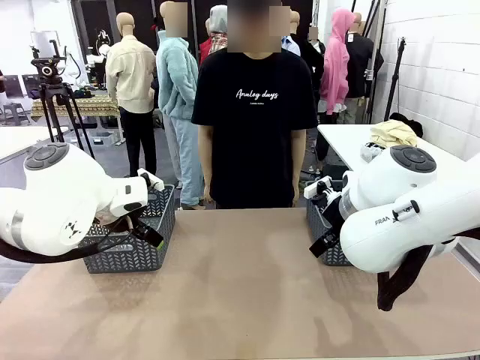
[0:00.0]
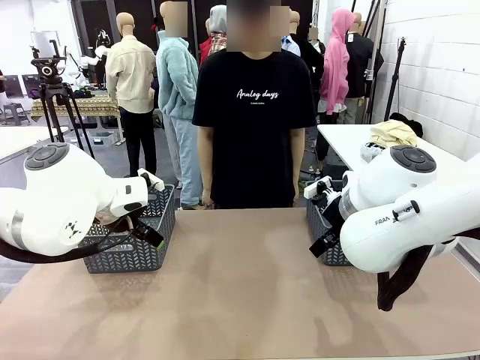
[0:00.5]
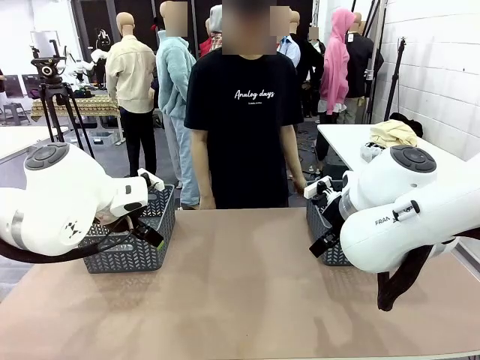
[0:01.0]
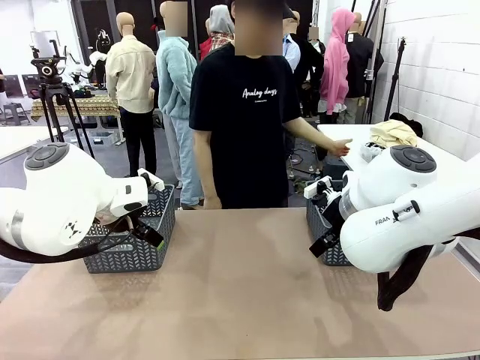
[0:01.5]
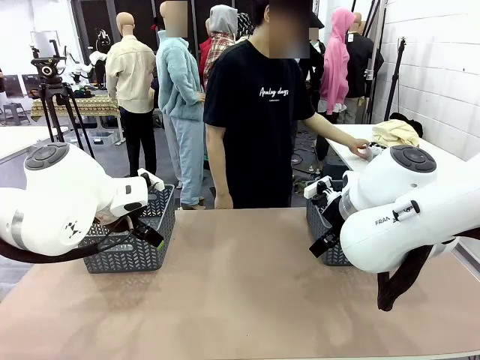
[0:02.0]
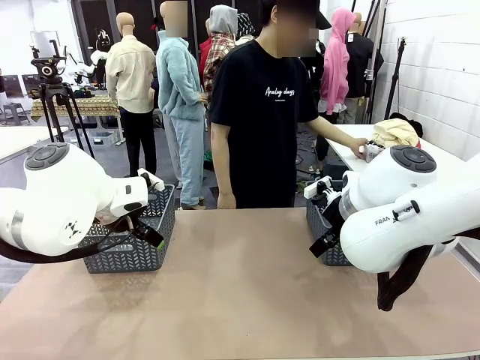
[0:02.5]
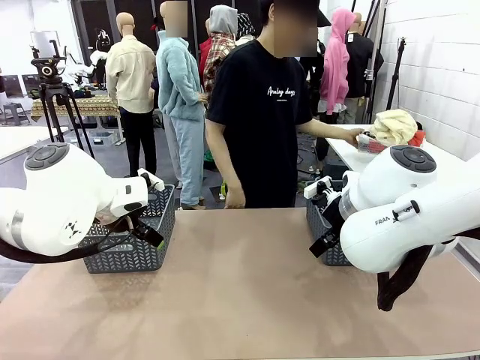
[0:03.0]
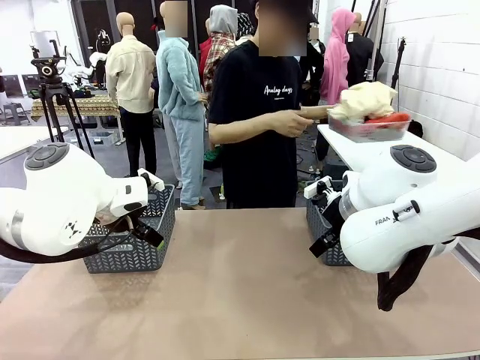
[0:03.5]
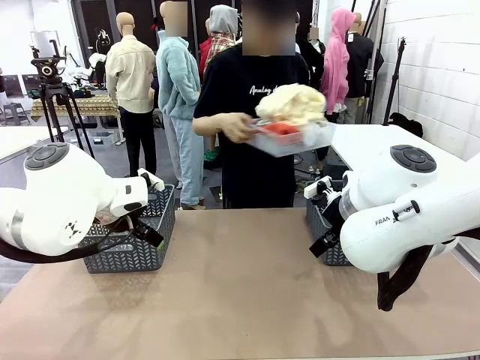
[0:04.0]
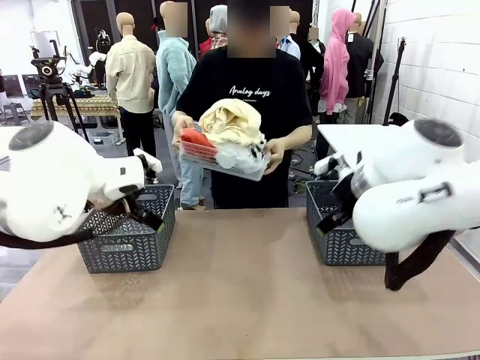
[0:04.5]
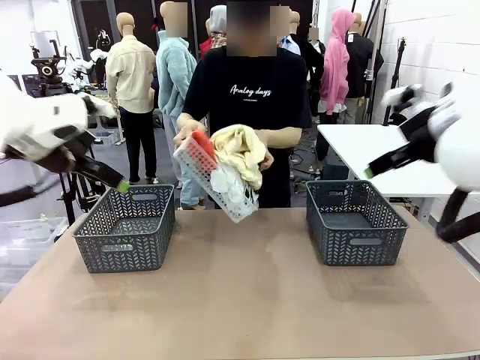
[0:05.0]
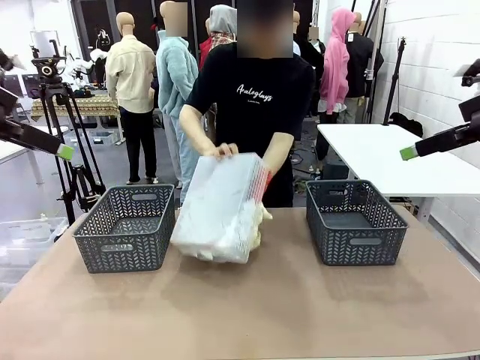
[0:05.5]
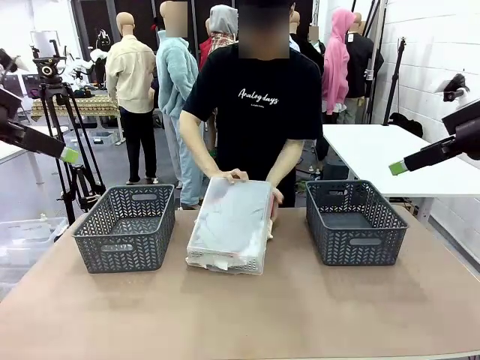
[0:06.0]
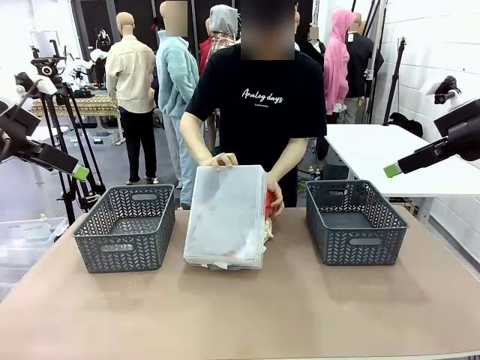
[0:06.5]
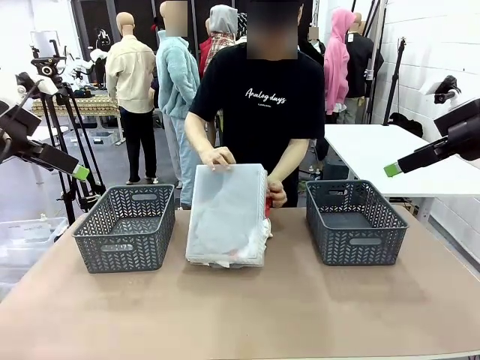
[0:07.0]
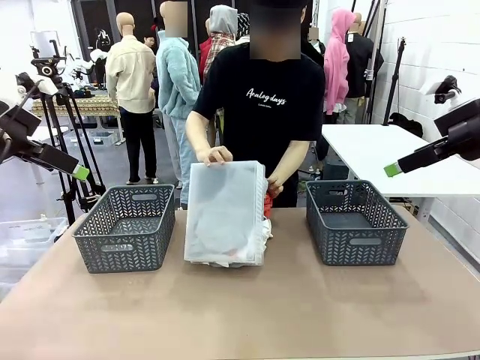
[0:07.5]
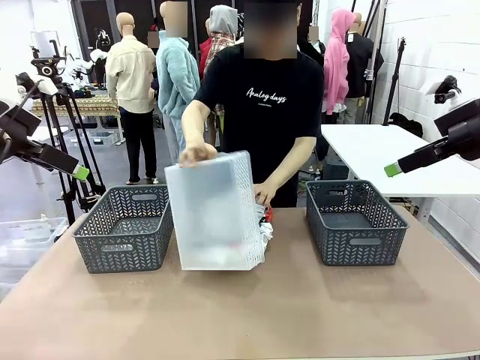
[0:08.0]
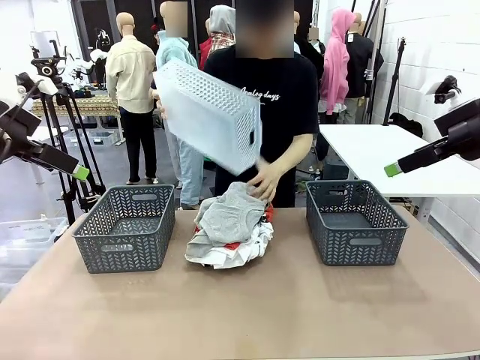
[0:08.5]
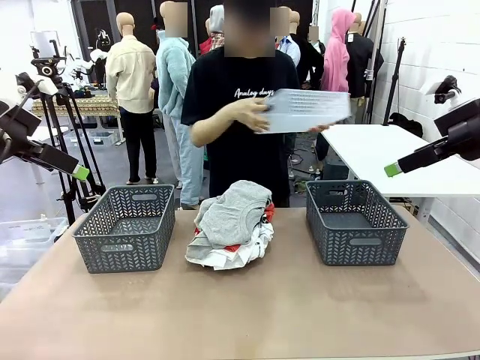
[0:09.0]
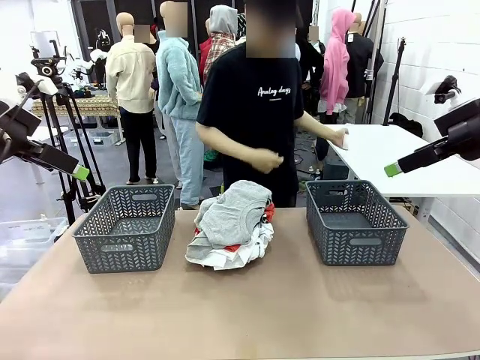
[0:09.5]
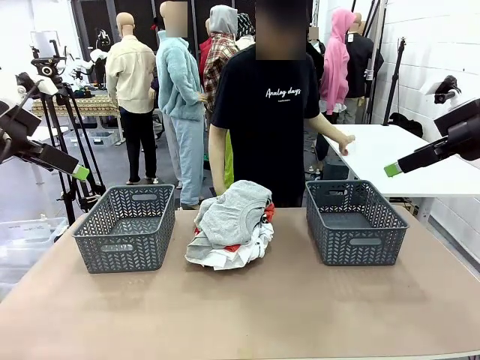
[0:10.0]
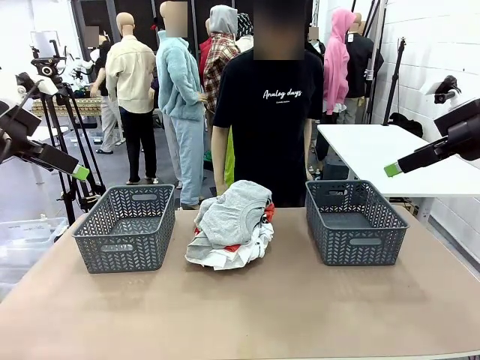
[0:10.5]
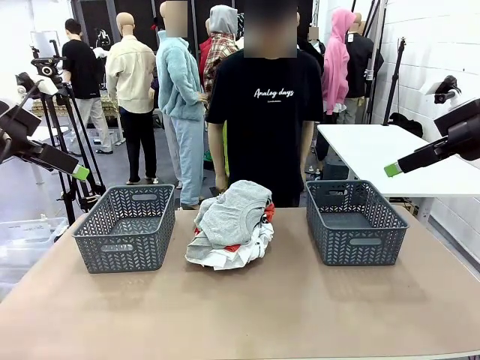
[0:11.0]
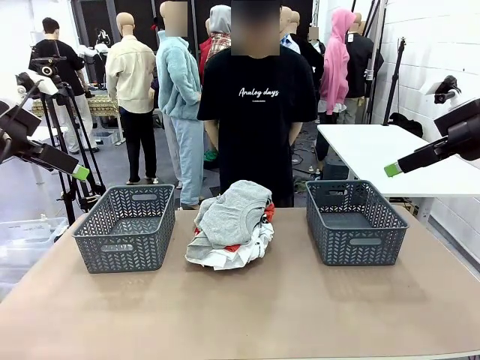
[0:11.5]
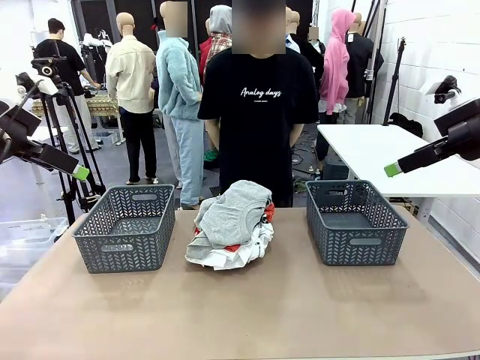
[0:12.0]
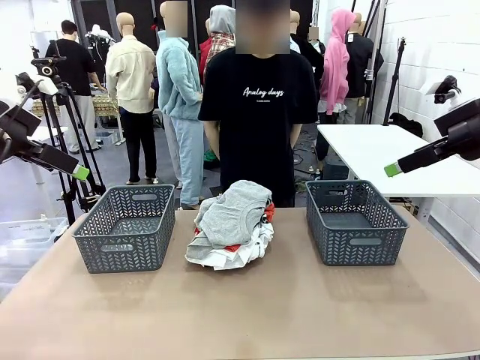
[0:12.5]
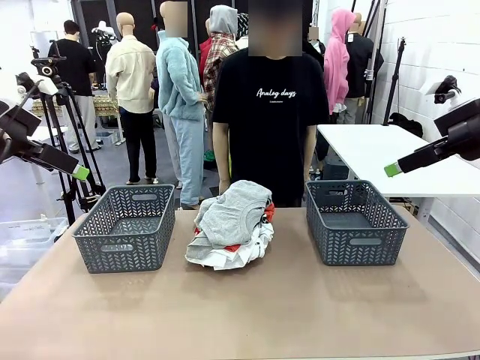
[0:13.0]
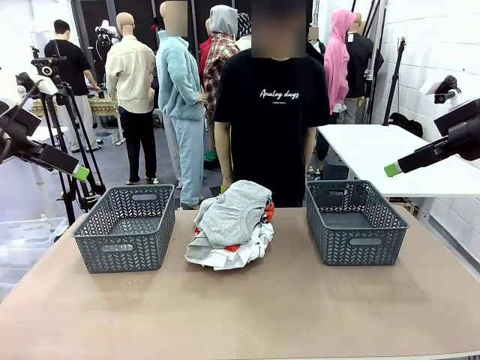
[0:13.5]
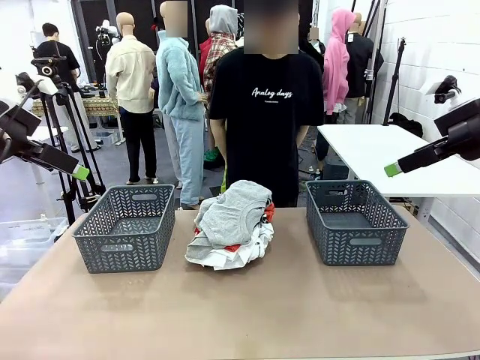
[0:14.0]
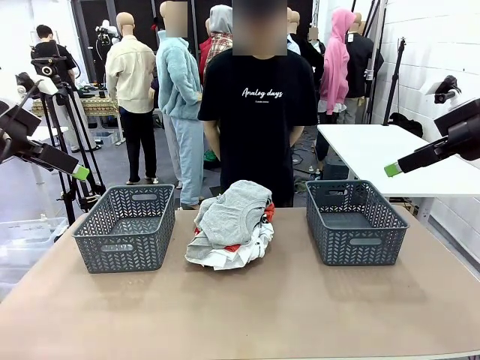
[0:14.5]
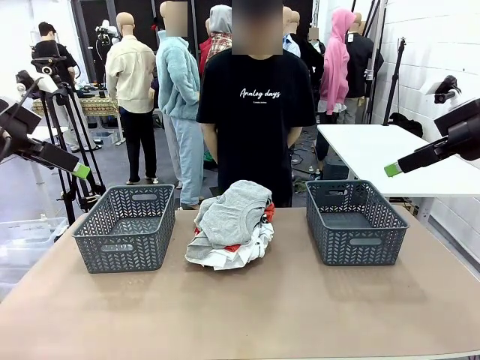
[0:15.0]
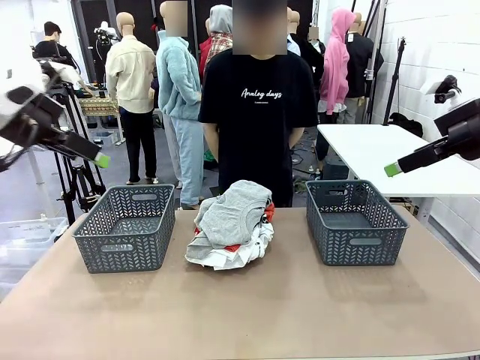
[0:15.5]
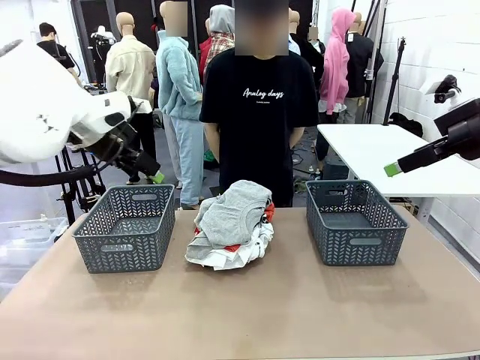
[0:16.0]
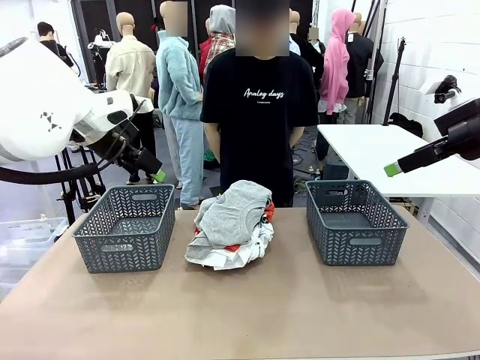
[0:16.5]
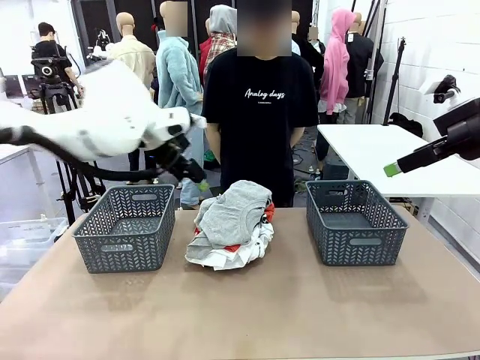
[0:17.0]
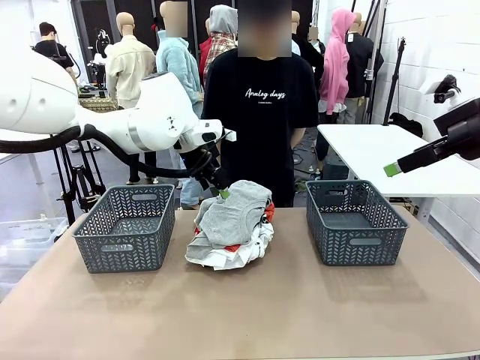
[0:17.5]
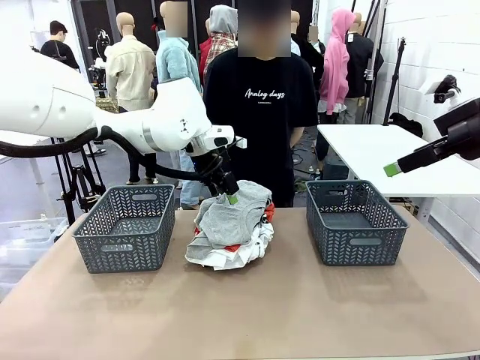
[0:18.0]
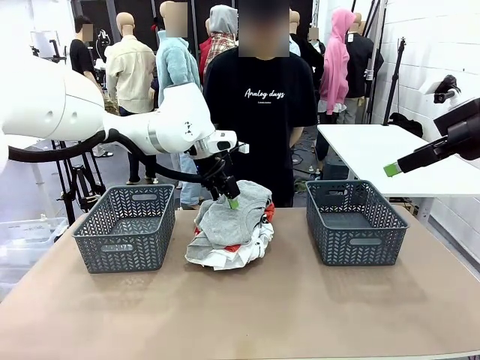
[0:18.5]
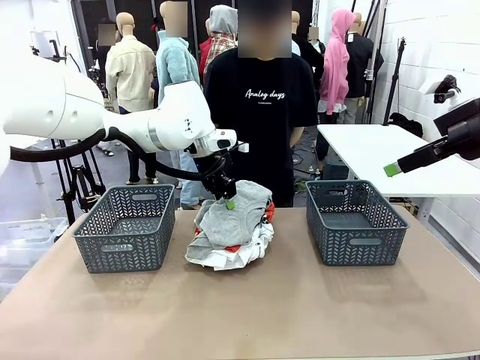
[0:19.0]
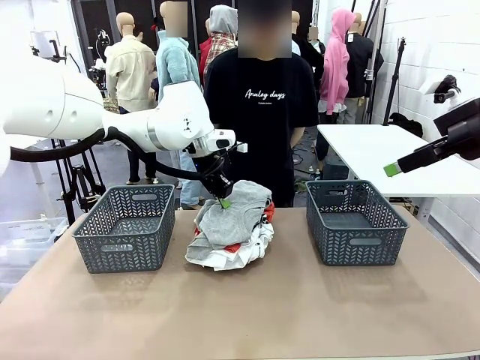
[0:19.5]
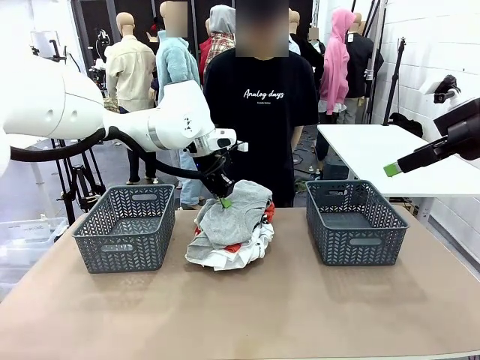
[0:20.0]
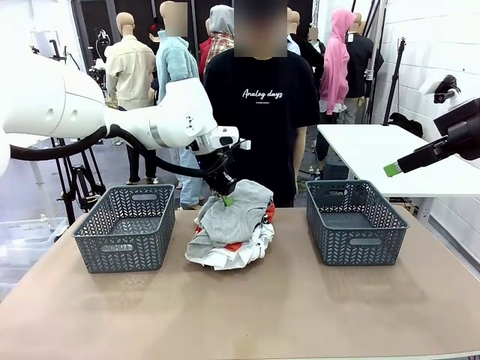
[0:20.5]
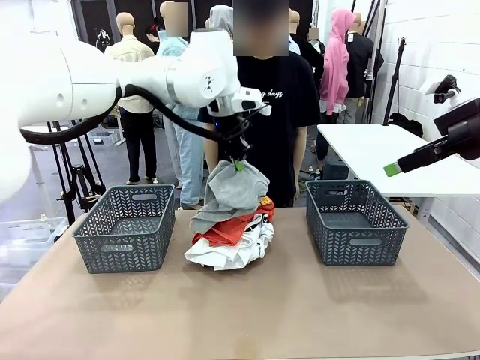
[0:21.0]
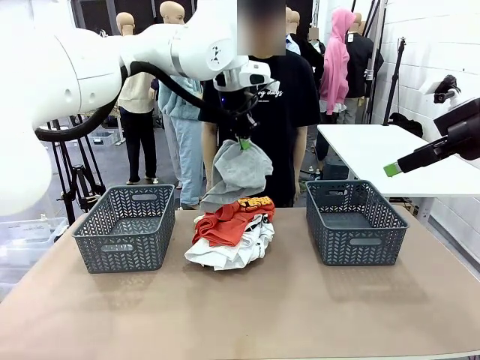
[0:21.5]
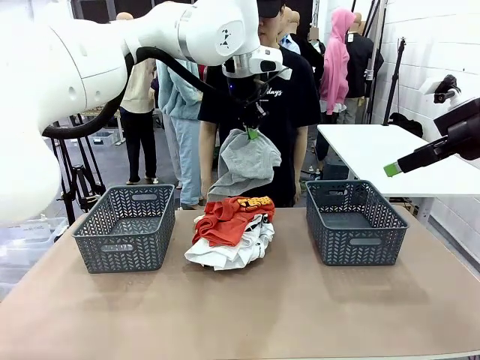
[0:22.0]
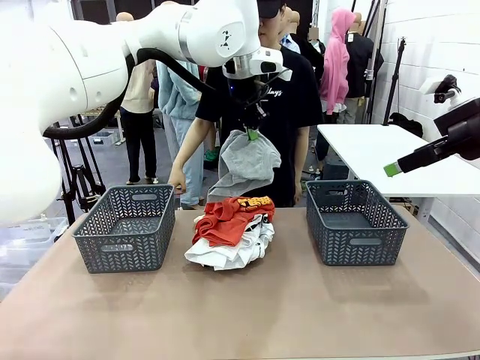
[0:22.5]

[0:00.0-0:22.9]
Task: Sort the tops and bottoms.
Robot: Lift clothes from the center of the table with your left hand.
Person: Pour the clothes from the basket onto the center of the robot table.

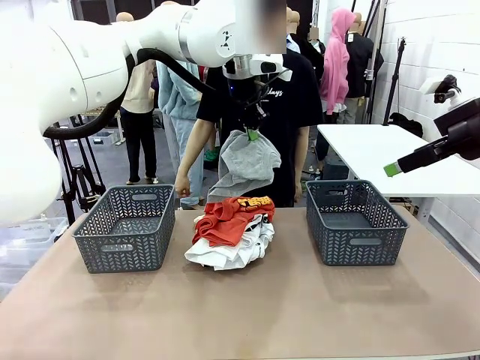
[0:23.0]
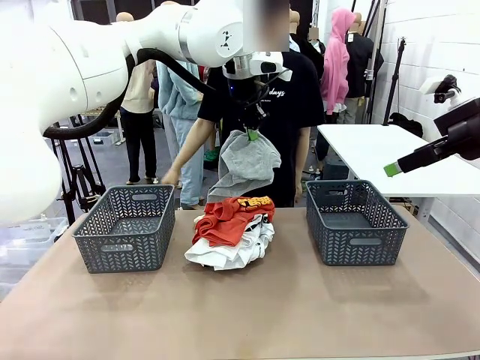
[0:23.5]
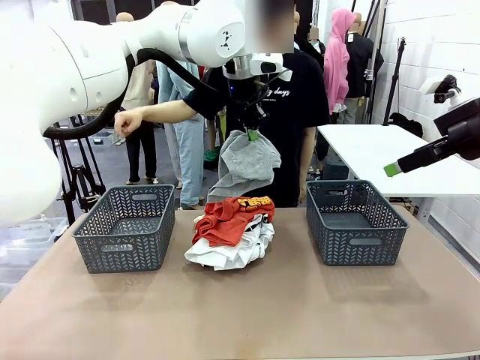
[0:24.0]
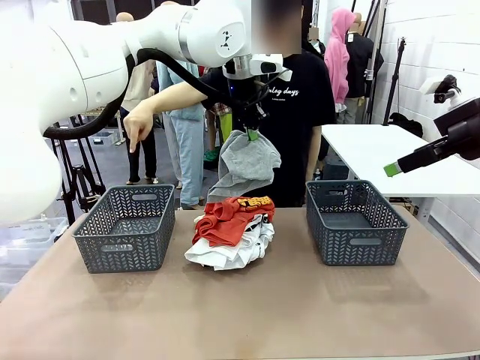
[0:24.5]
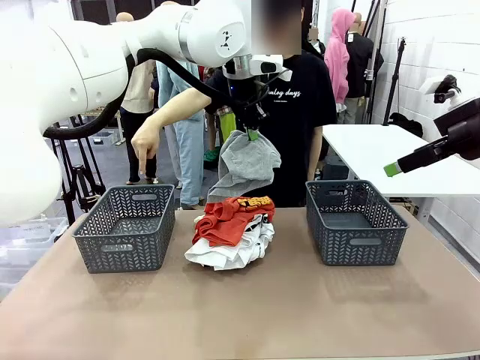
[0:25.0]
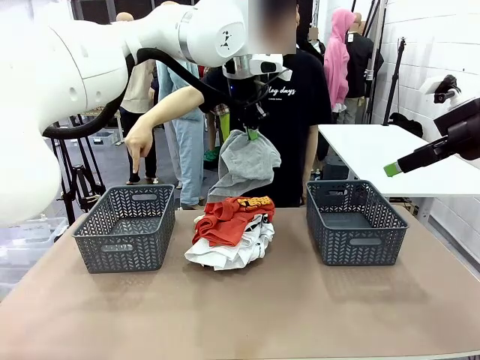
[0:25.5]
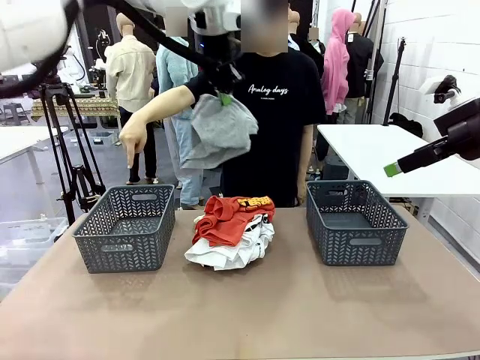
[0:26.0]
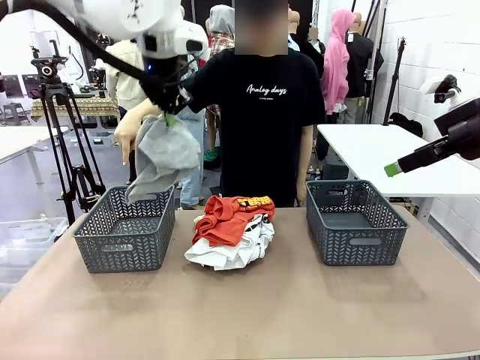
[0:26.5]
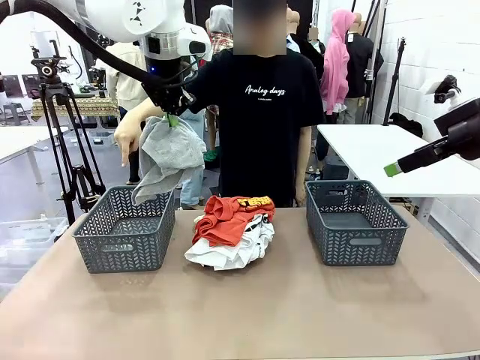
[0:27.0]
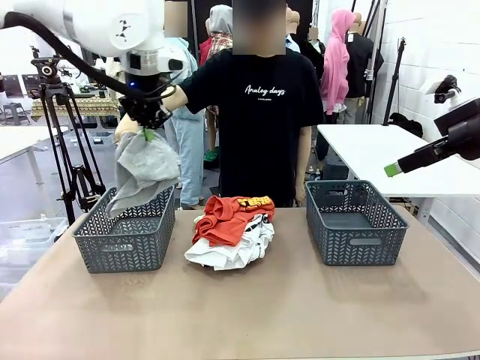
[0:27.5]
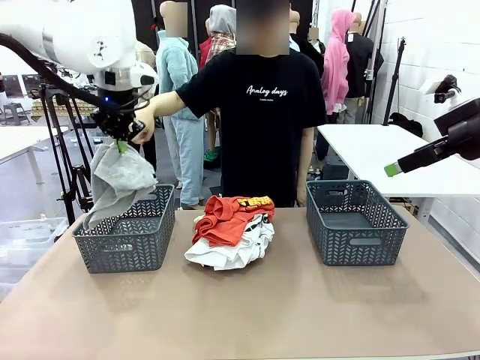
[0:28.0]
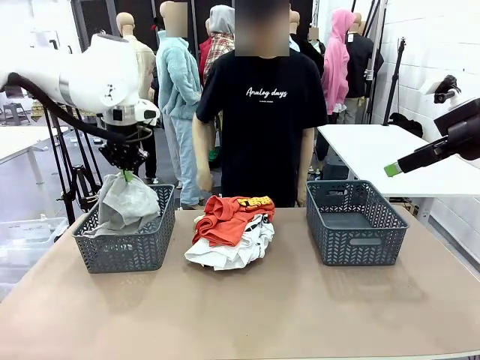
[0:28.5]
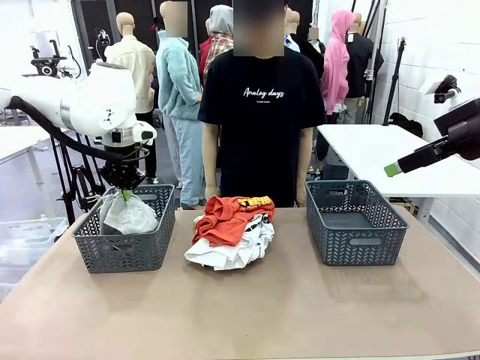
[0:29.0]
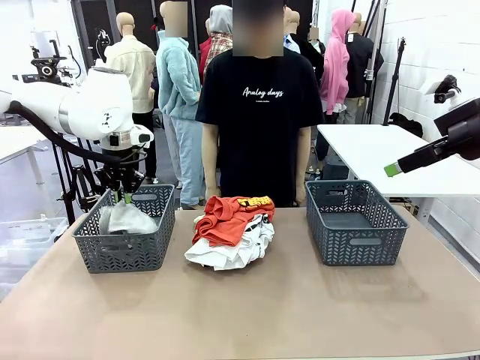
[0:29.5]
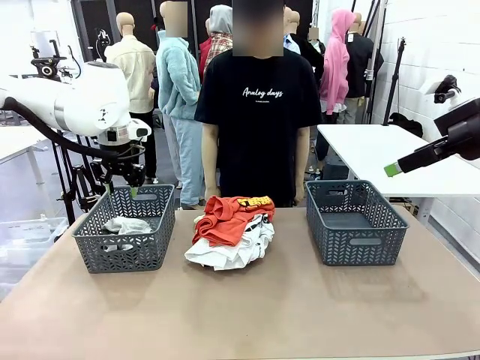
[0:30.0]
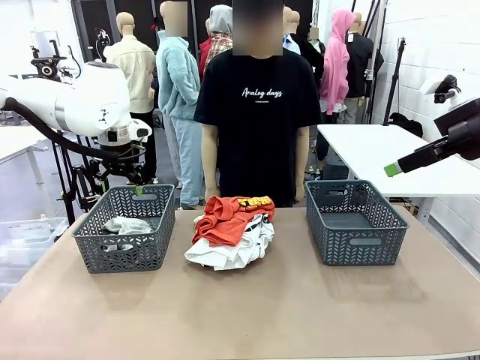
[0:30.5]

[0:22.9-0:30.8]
Robot: Sort the clothes according to human instructions.
